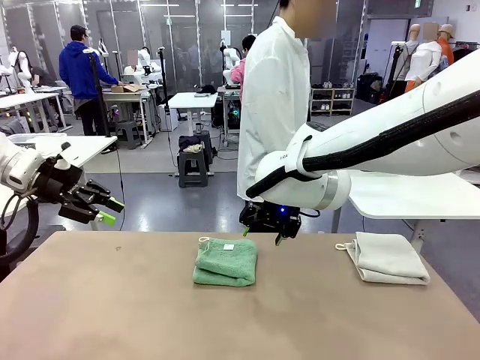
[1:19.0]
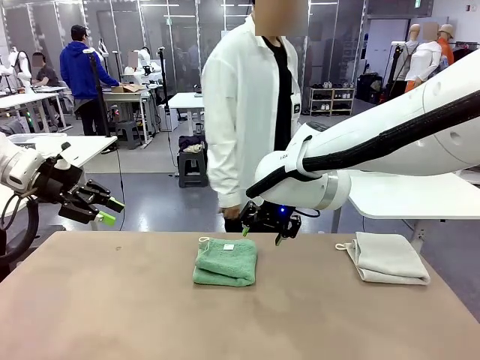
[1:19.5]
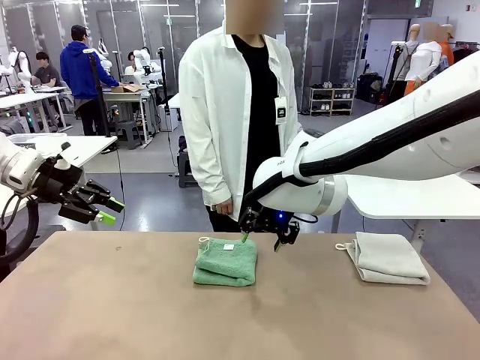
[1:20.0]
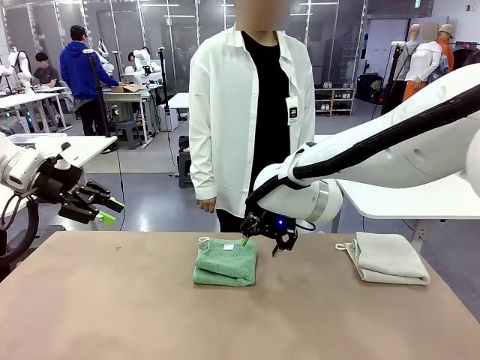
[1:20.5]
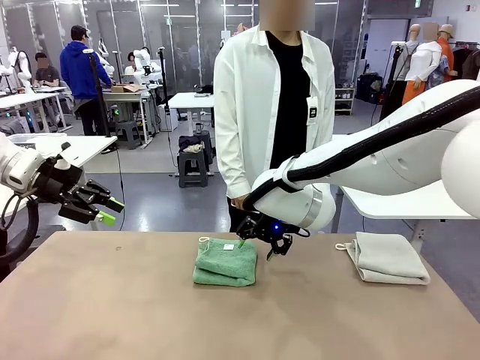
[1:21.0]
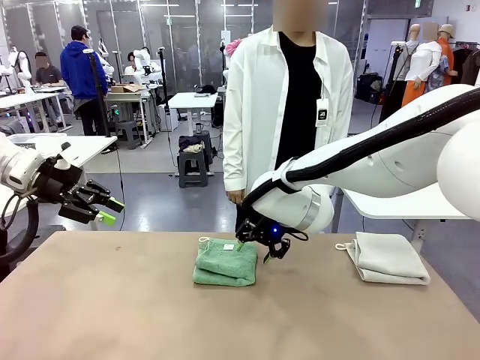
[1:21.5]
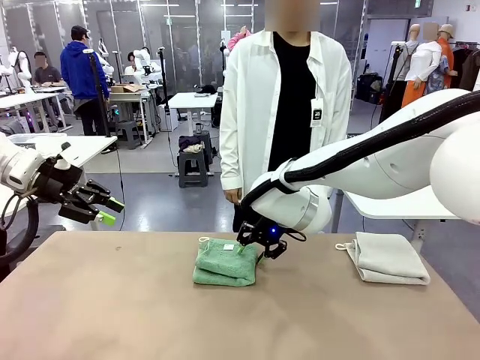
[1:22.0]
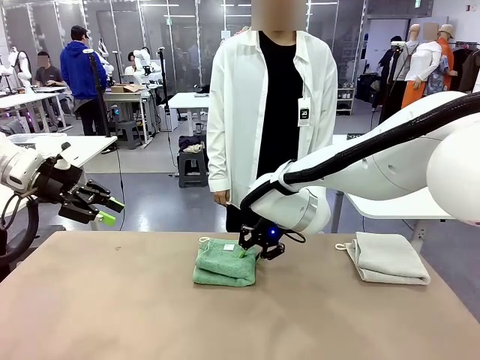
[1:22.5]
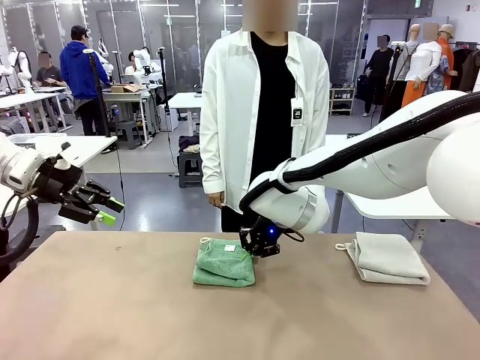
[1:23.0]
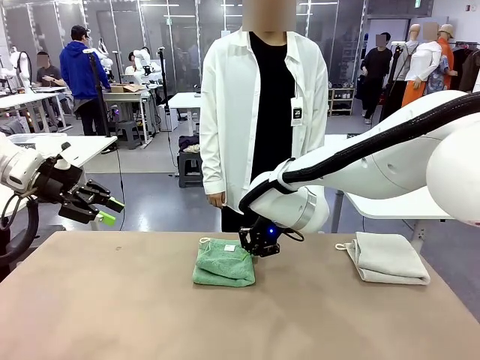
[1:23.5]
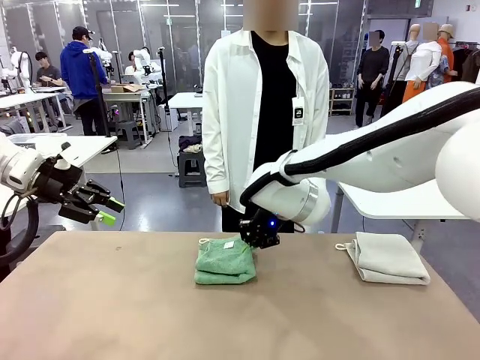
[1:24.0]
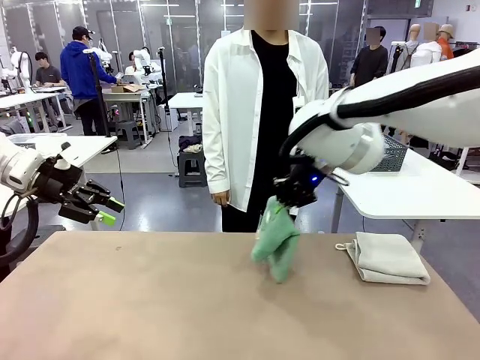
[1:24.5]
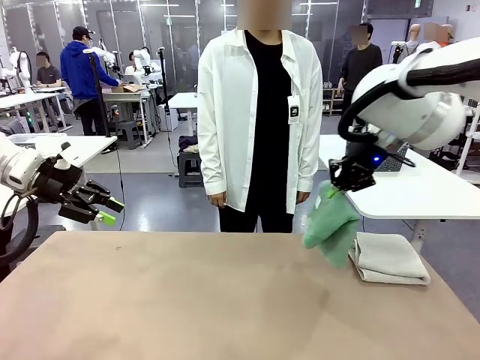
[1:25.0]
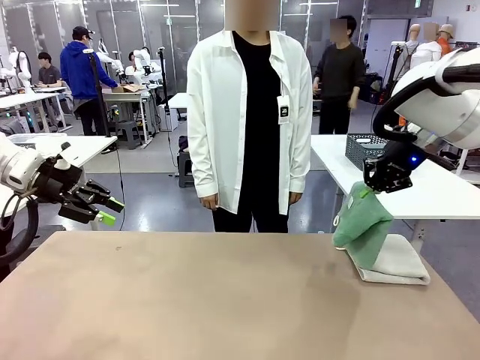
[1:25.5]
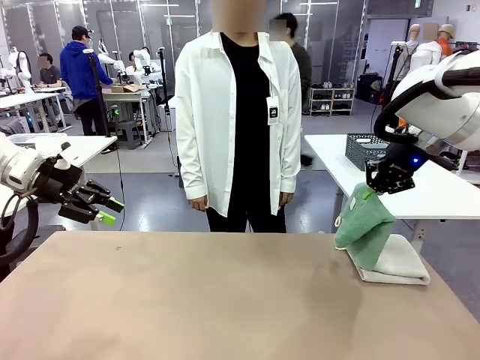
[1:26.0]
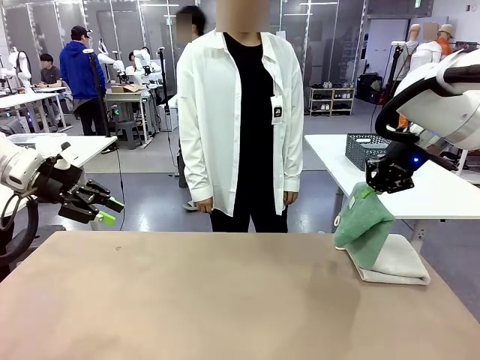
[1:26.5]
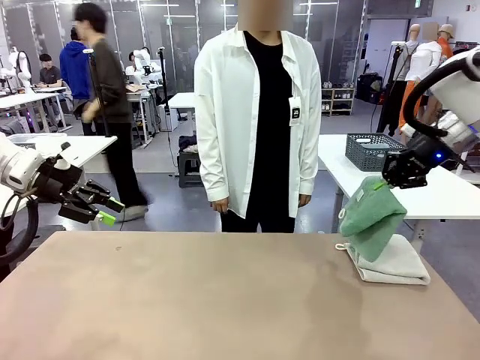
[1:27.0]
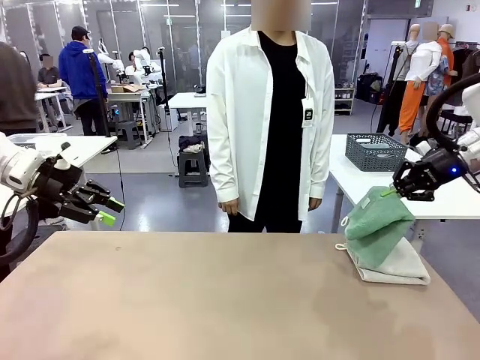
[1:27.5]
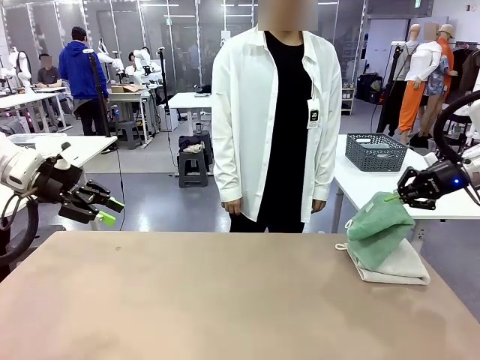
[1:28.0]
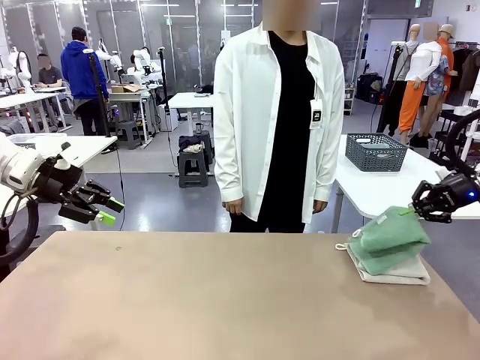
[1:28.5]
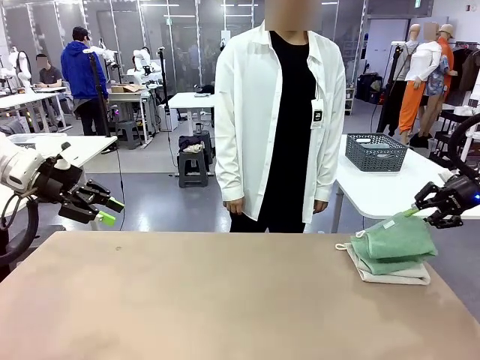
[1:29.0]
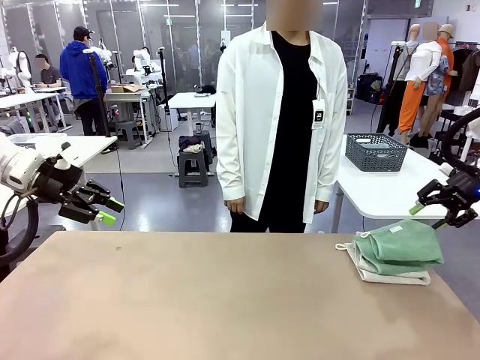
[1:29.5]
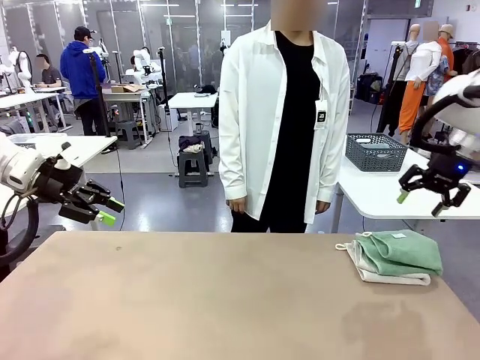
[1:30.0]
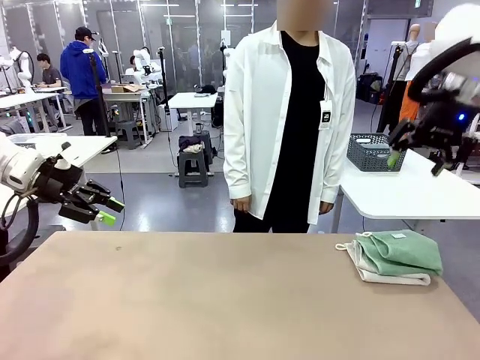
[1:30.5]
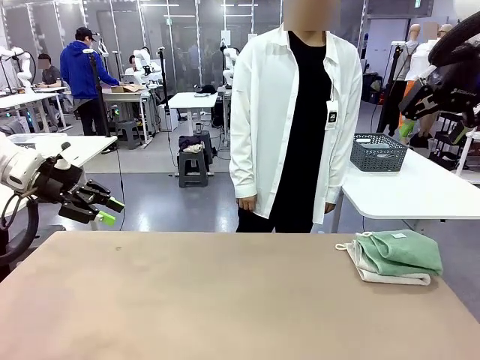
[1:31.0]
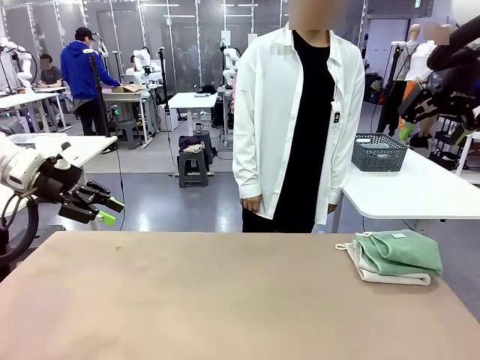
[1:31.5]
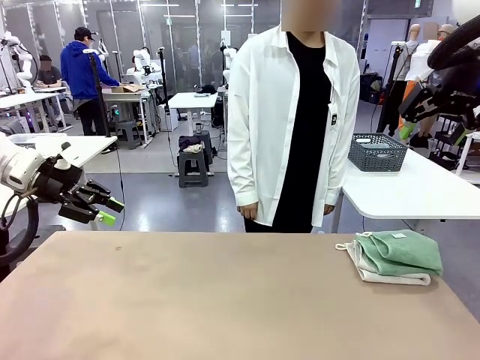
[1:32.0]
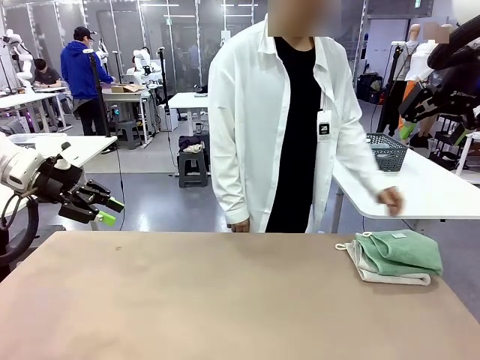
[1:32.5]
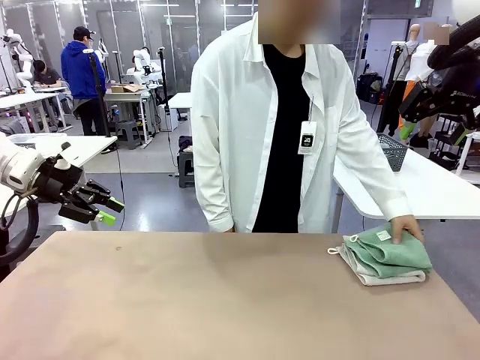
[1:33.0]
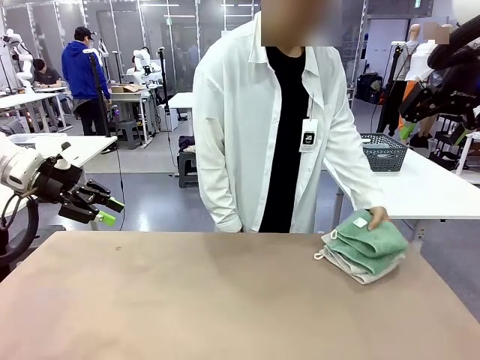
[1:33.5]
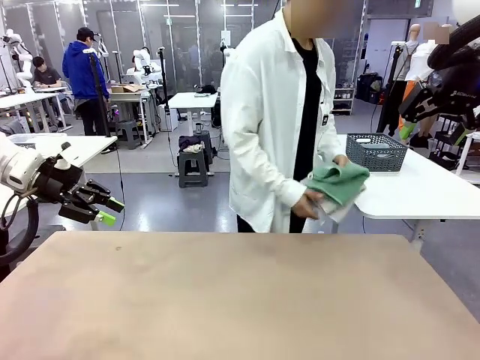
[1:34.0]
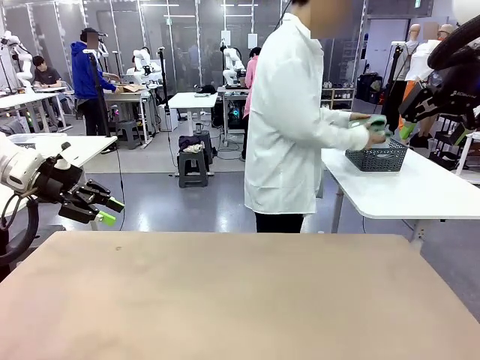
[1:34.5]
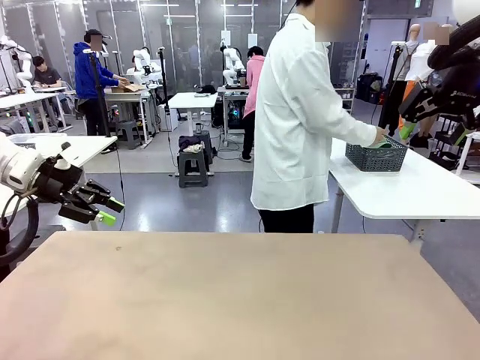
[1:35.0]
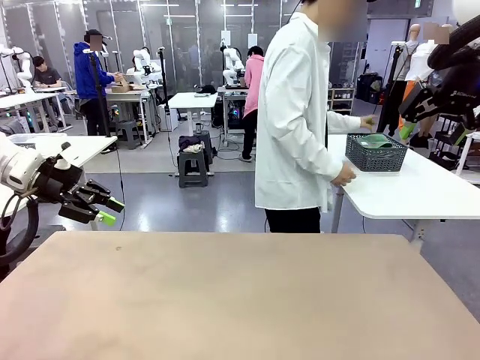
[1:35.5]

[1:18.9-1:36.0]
Task: Fold the towels and place them in the basket.
Robot: Stack the folded Towel with hook on the right side of the table.
Person: Pick up the stack of towels from the robot table and place it into the basket.

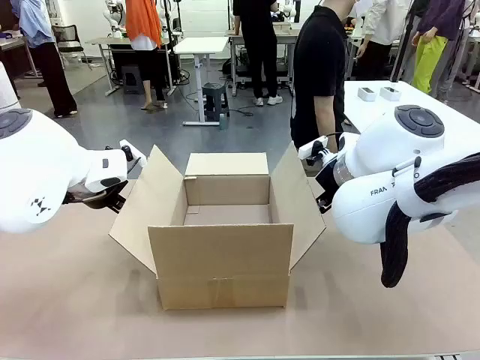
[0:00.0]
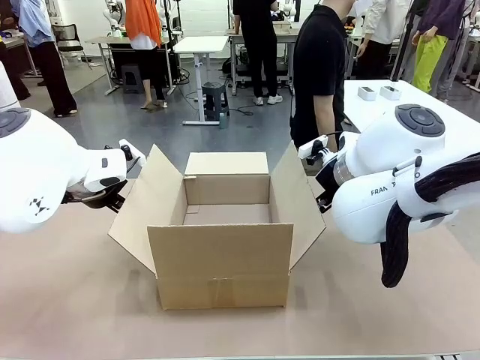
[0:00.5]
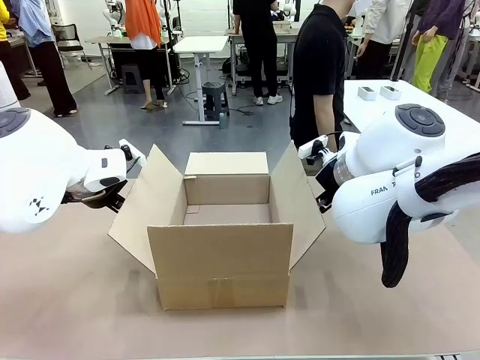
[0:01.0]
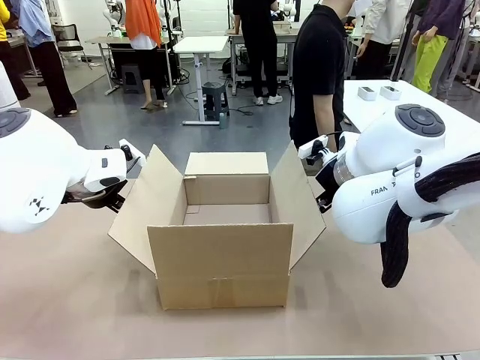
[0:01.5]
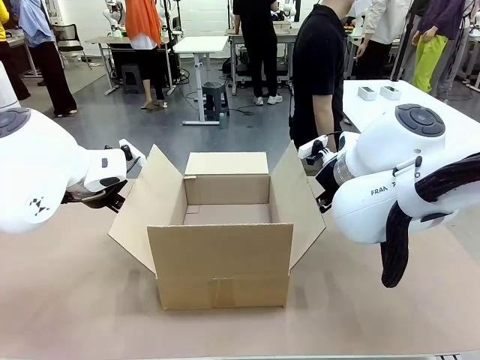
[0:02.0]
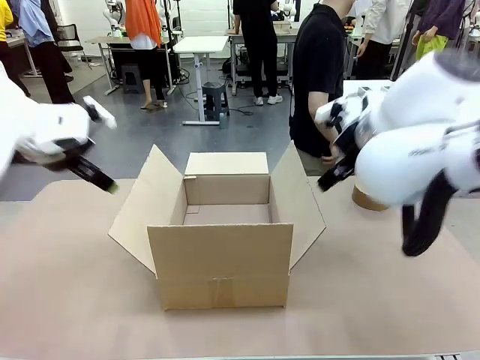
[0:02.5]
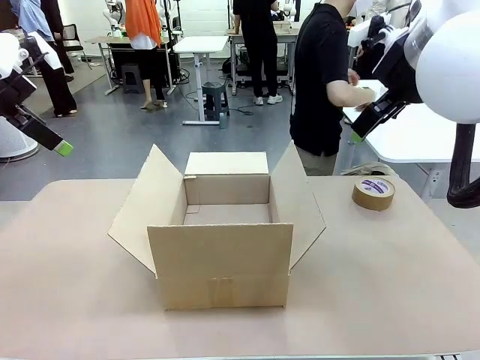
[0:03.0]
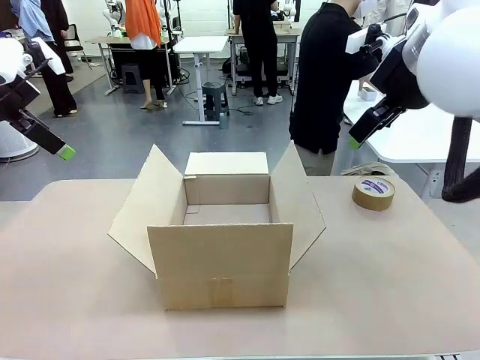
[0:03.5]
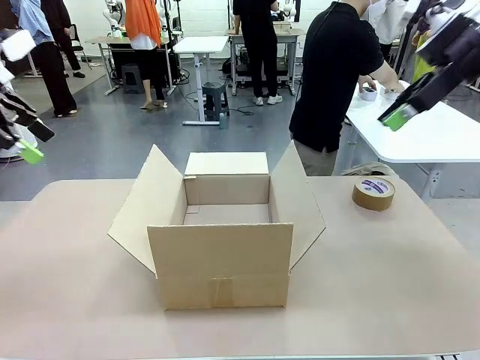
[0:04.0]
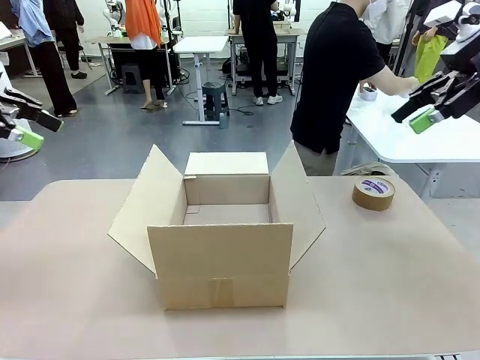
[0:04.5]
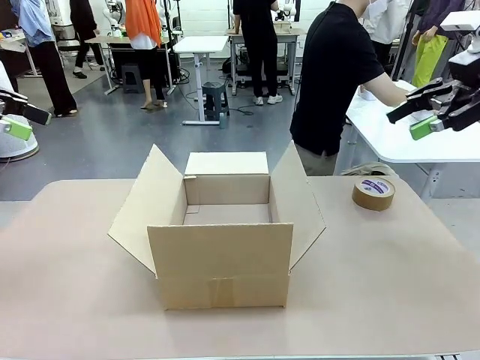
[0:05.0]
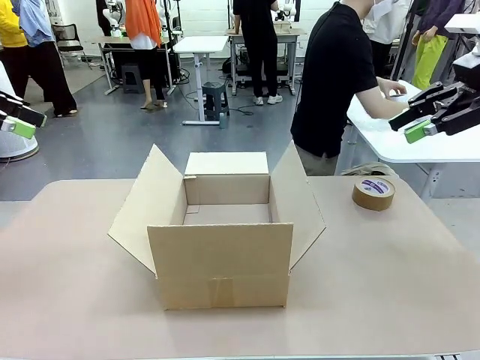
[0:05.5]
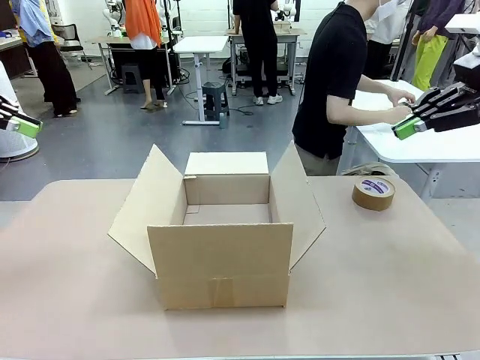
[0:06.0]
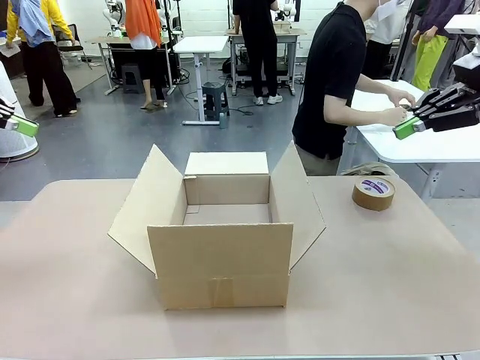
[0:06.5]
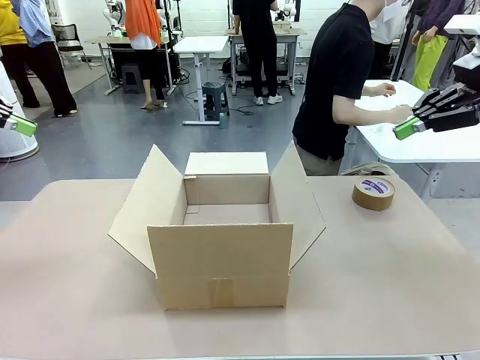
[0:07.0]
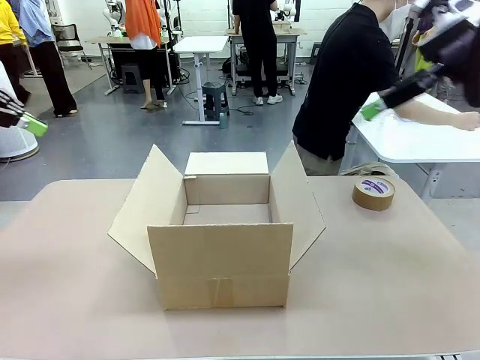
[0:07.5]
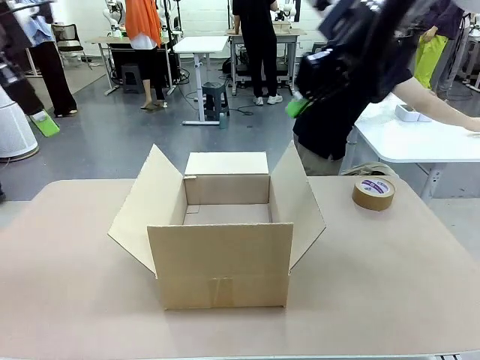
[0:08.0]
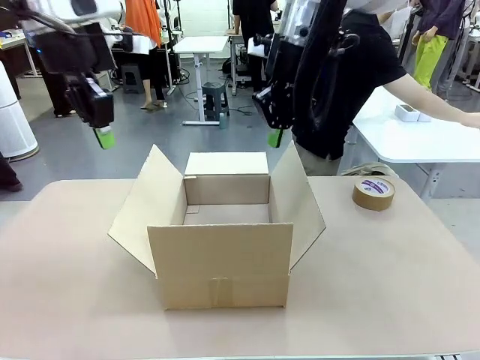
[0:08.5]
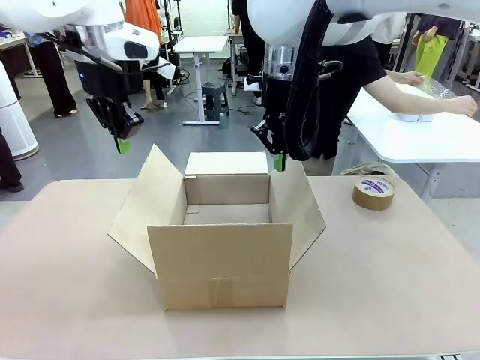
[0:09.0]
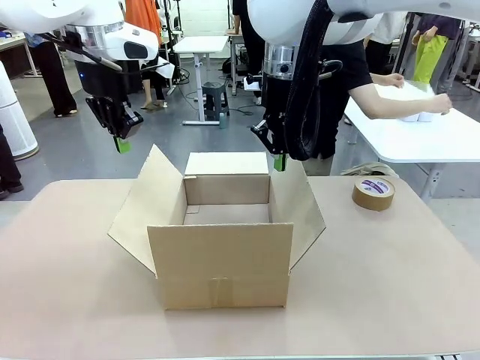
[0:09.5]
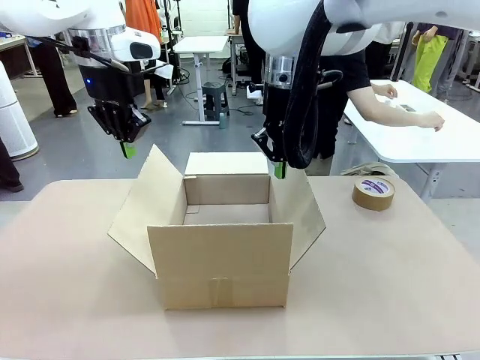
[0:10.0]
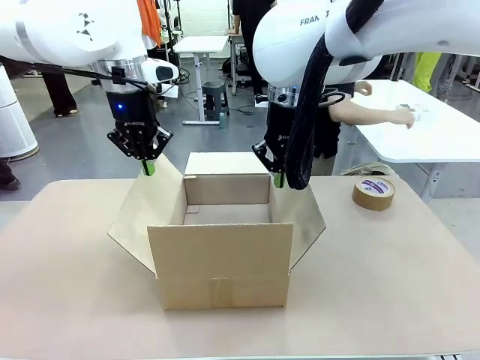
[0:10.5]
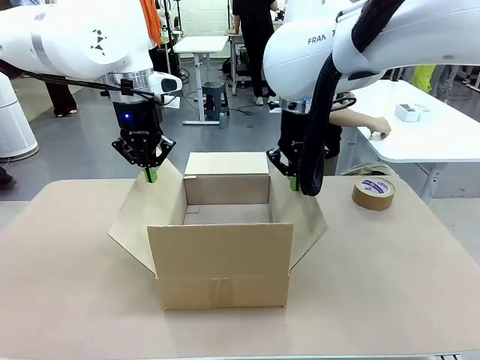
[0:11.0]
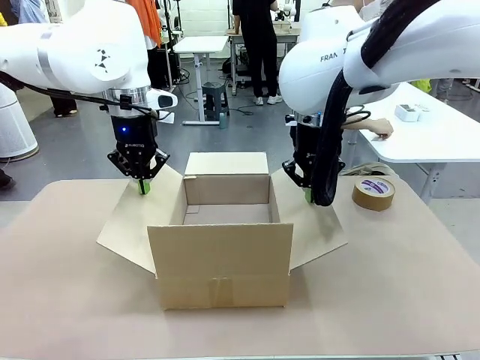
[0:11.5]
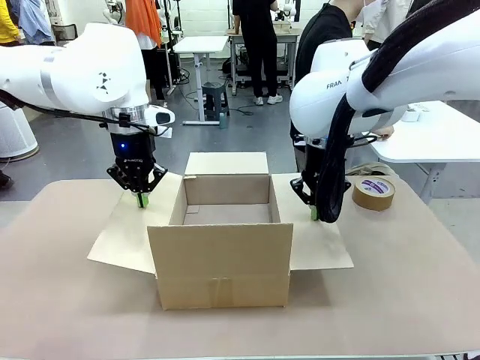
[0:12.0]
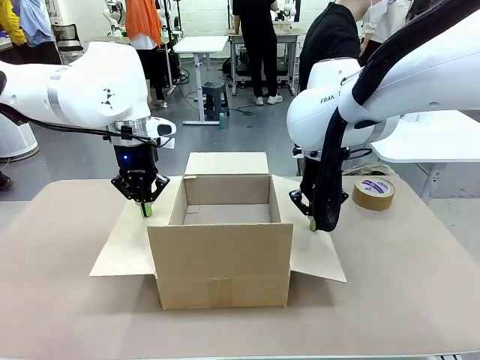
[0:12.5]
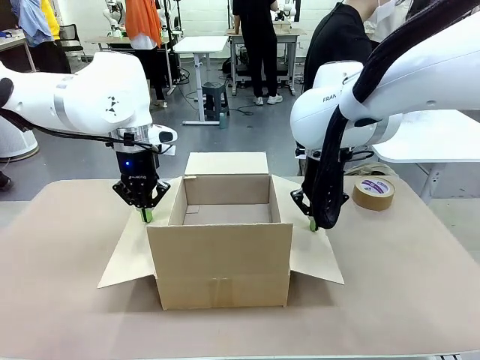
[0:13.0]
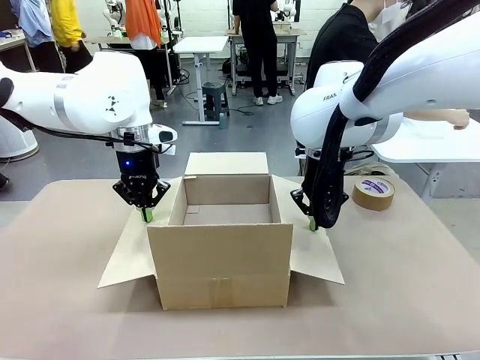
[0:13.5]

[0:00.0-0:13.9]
Task: Wrap the clocks to prevent damage.
Robot: Open the side flaps of the Package Box.
Person: Wrap the two Digital clocks with Bubble Wrap.
